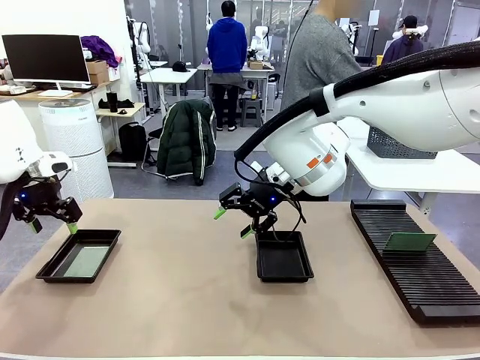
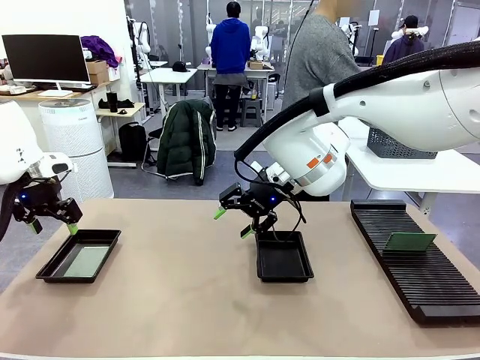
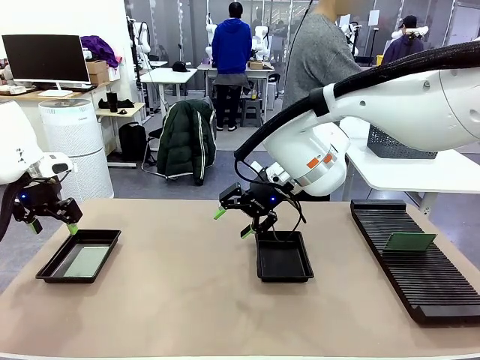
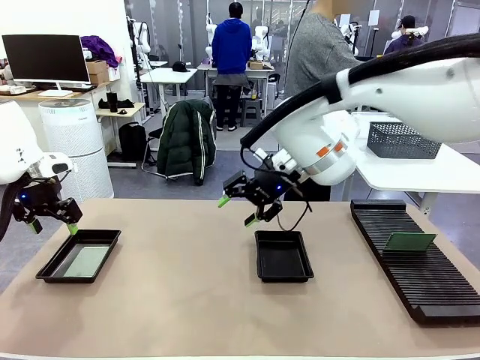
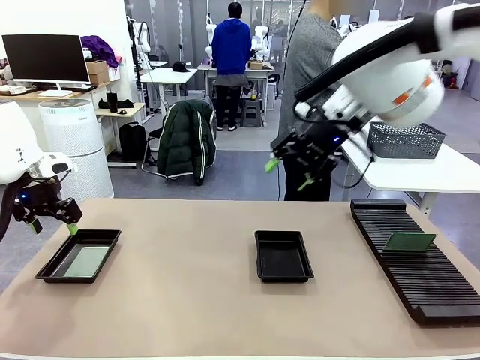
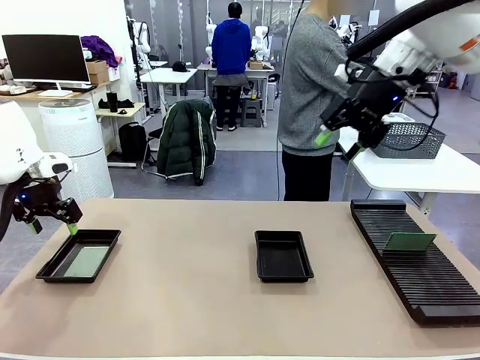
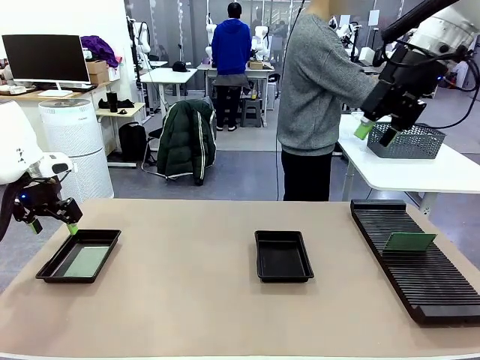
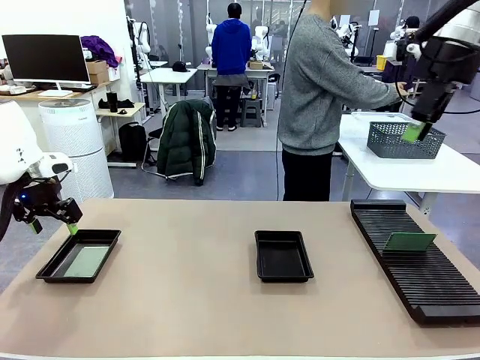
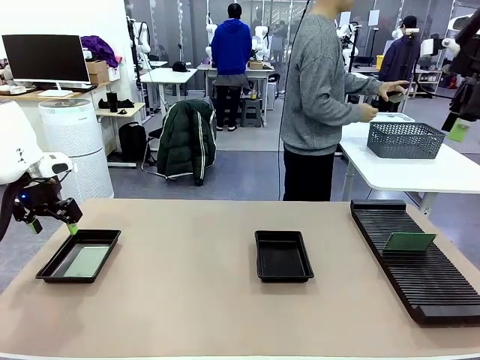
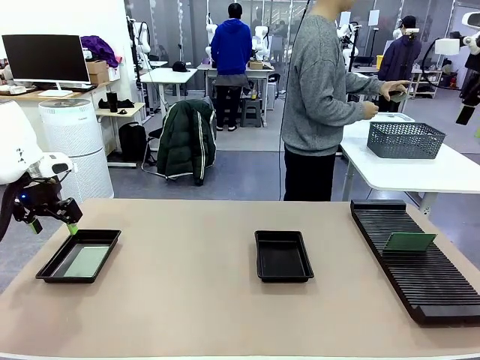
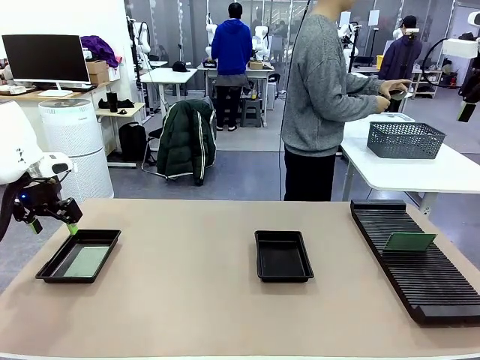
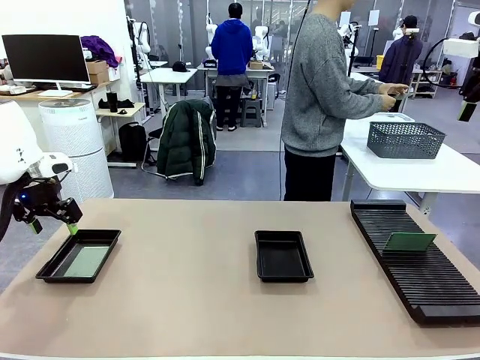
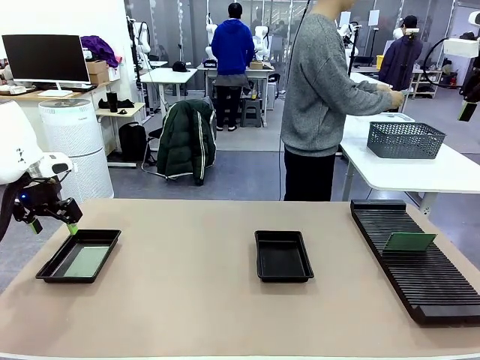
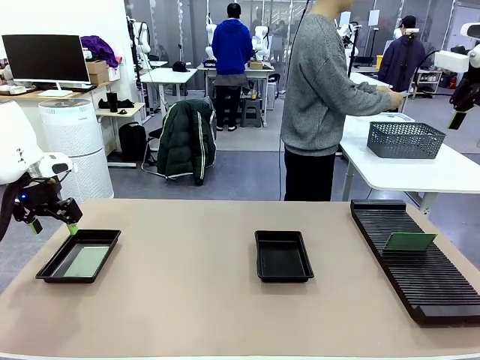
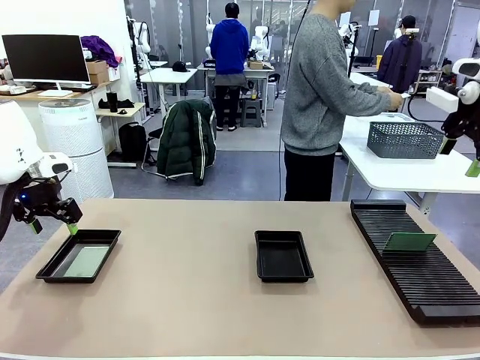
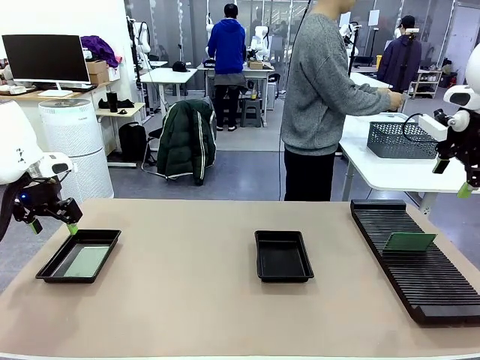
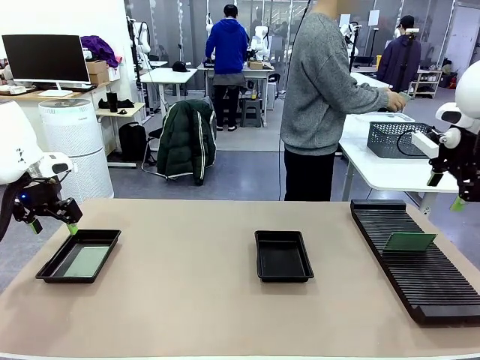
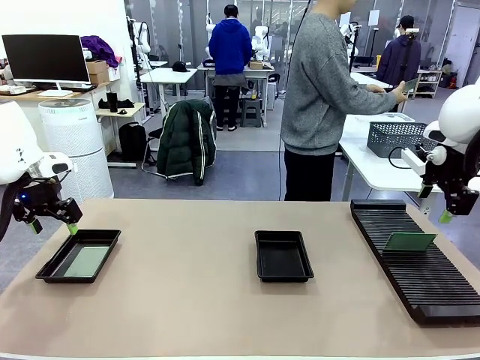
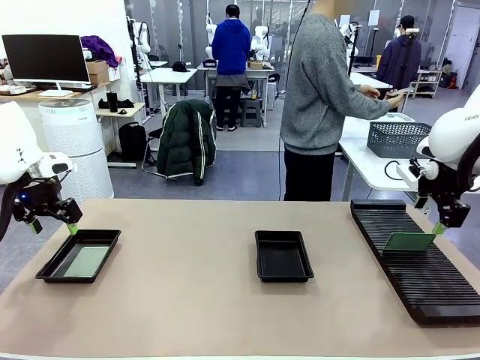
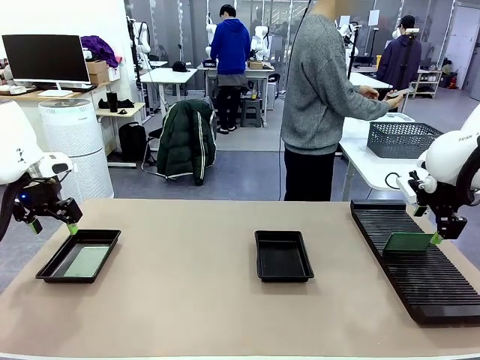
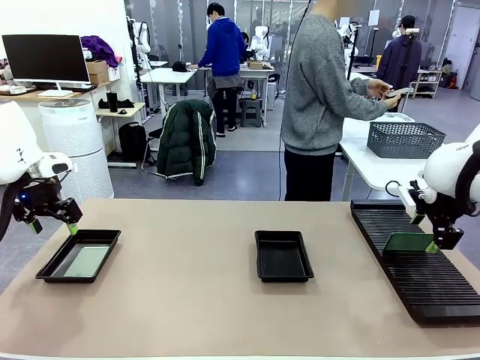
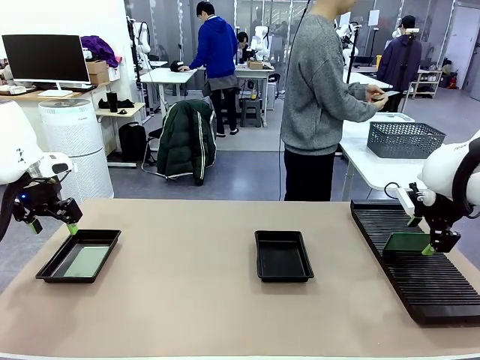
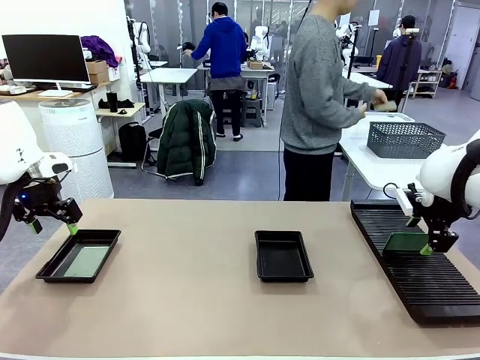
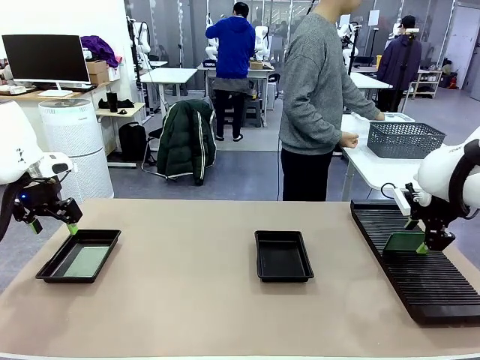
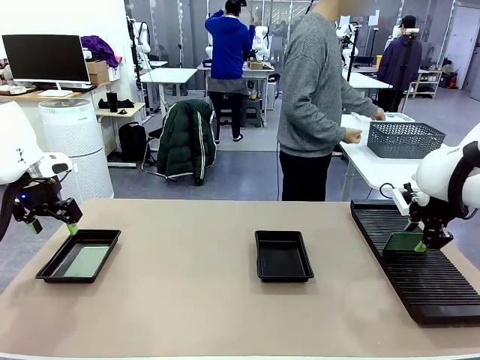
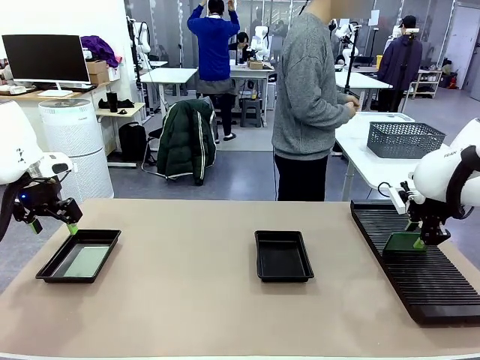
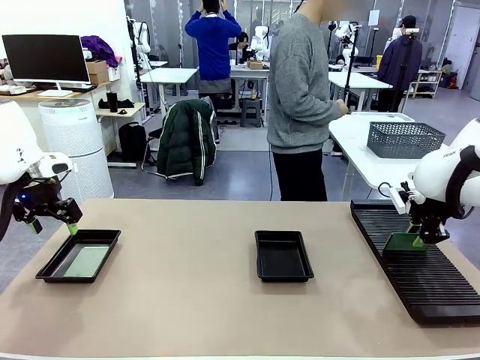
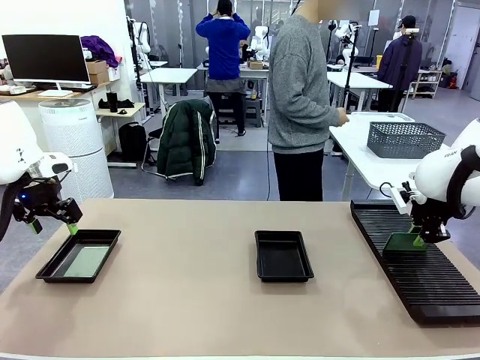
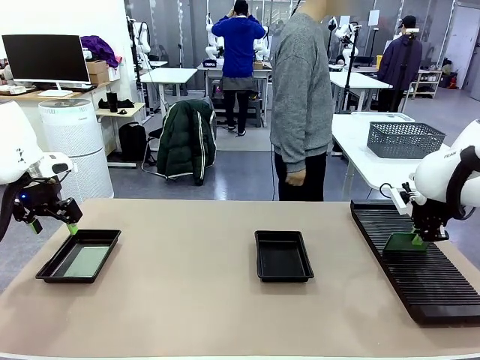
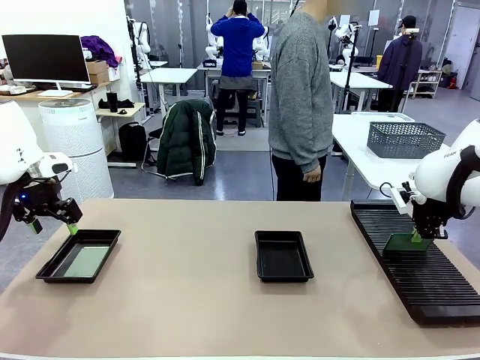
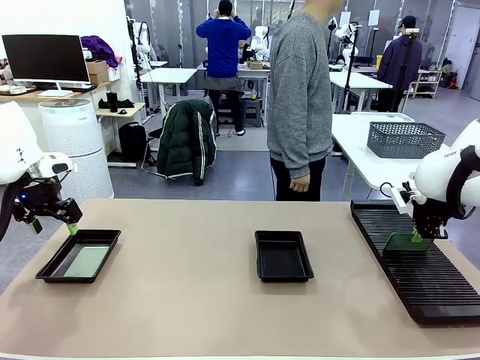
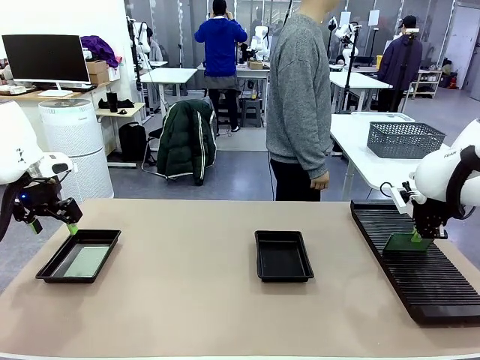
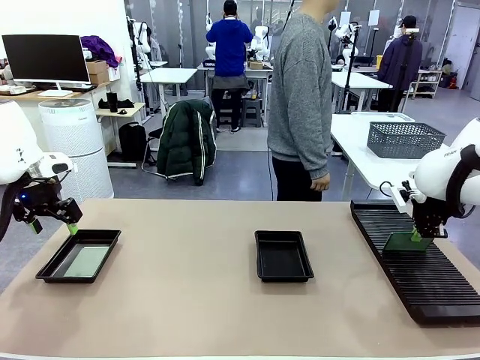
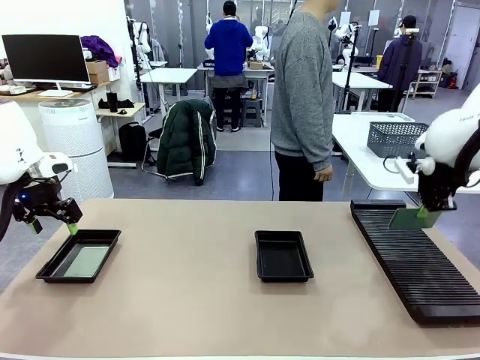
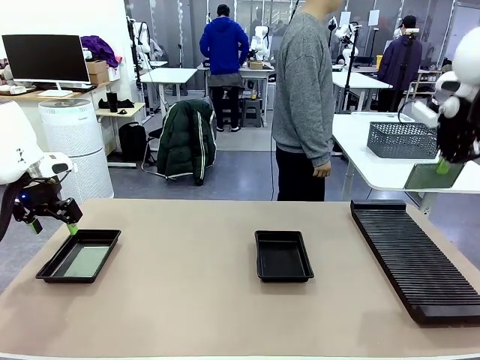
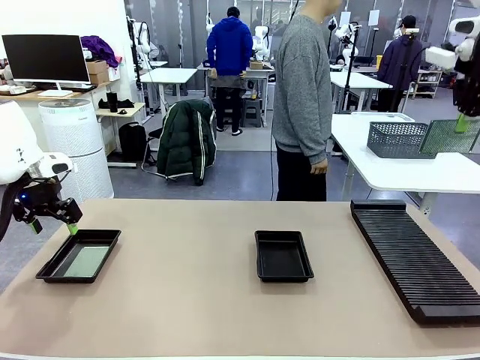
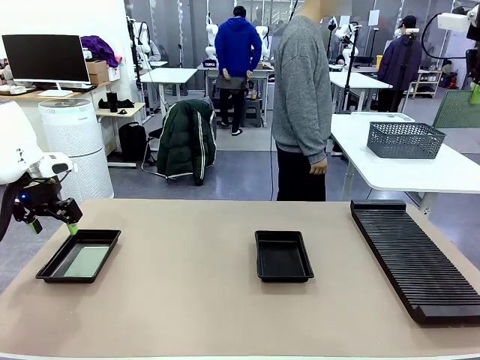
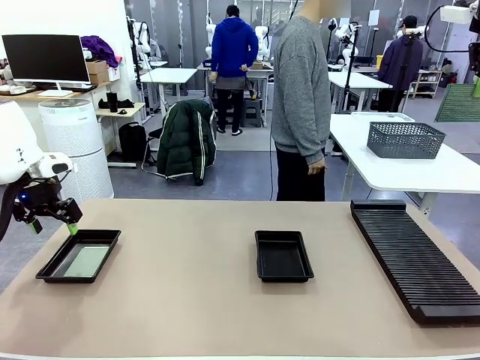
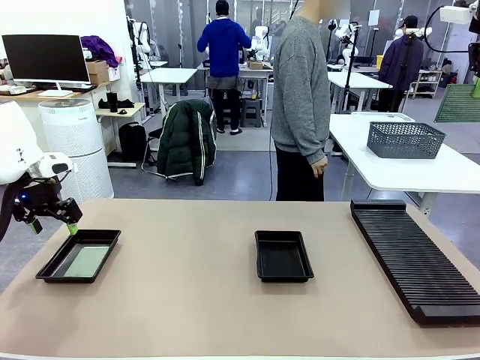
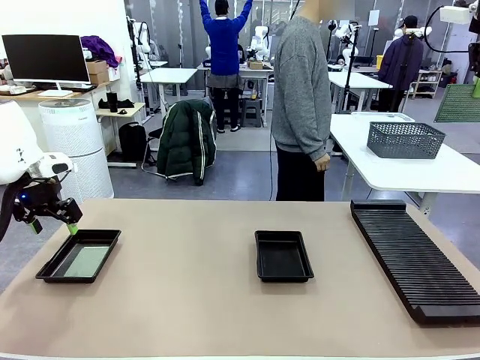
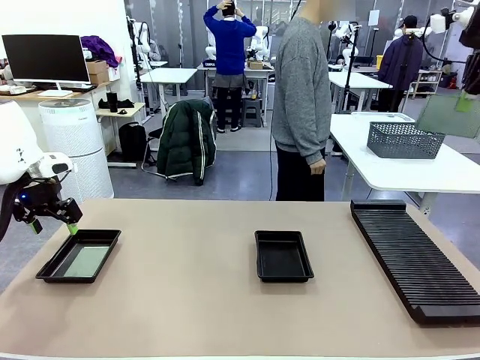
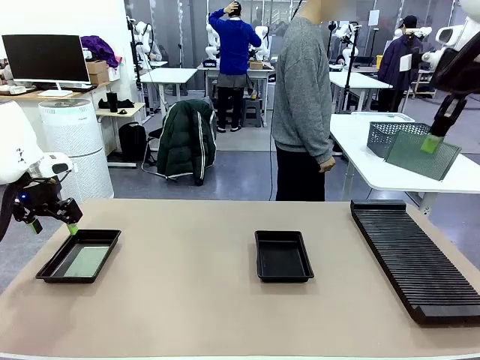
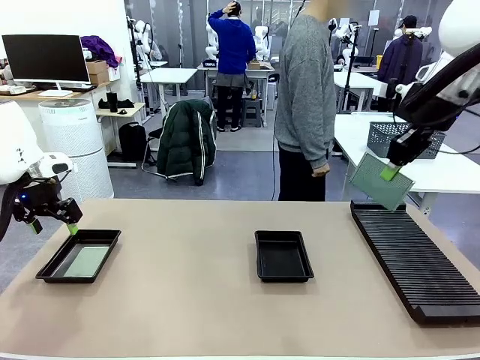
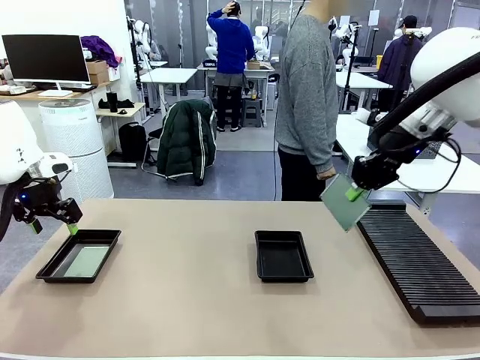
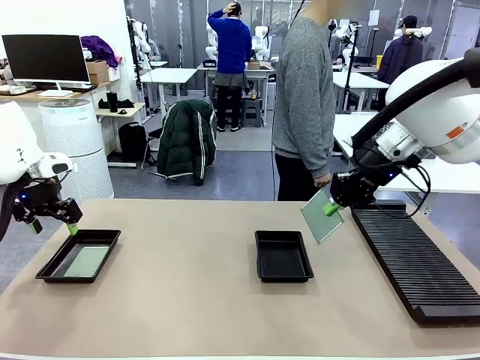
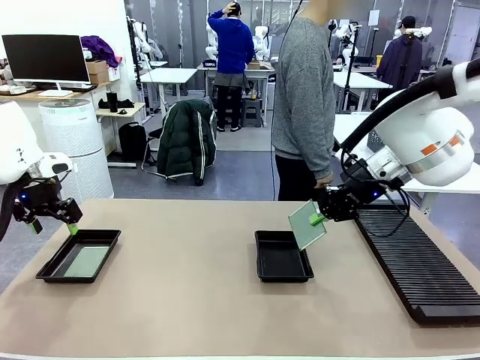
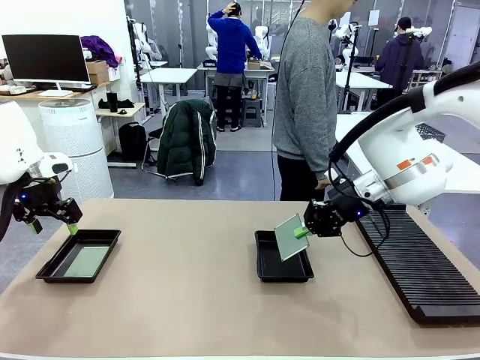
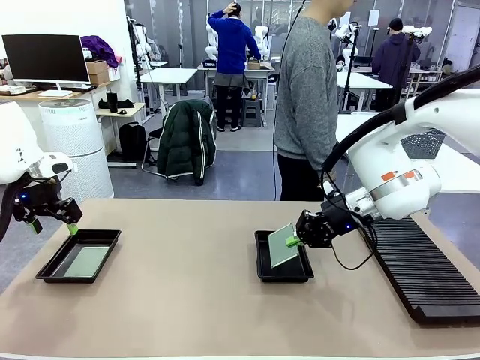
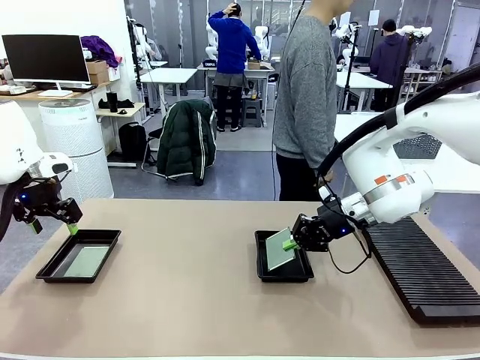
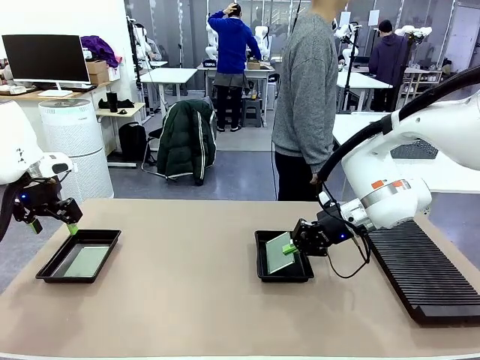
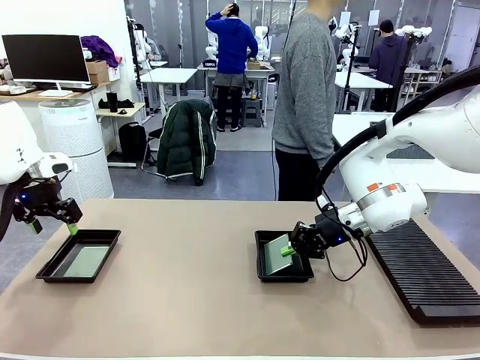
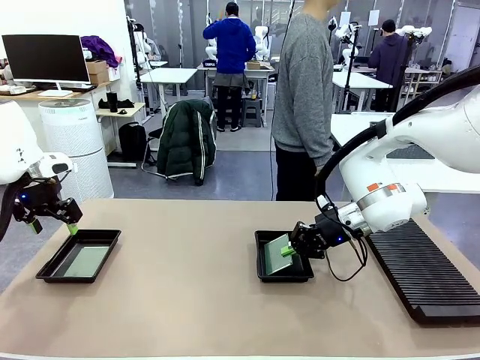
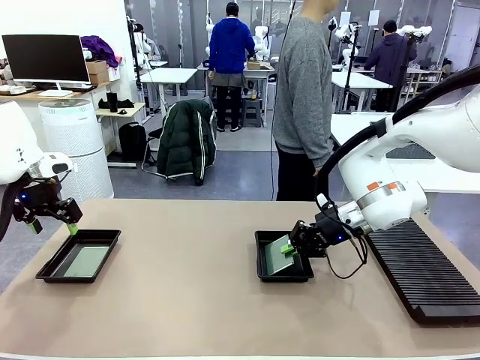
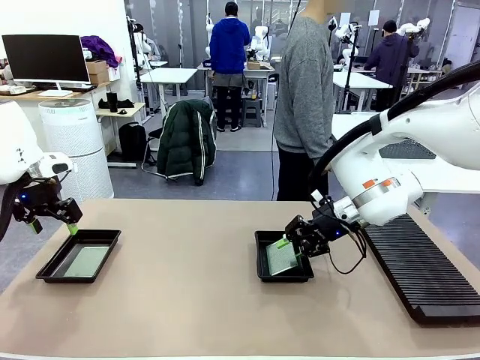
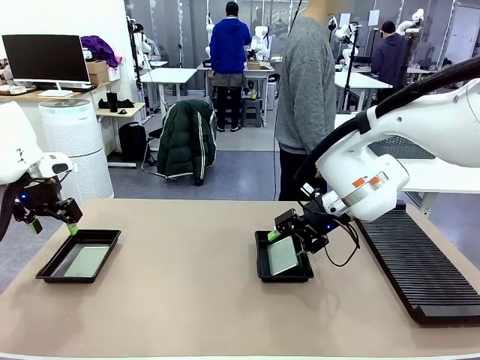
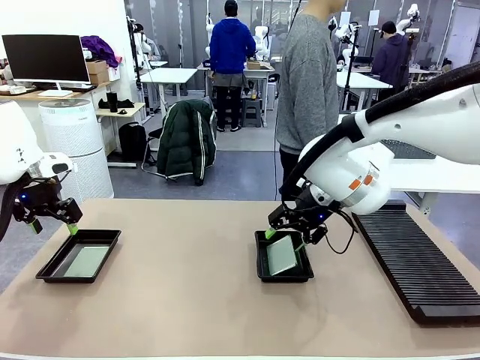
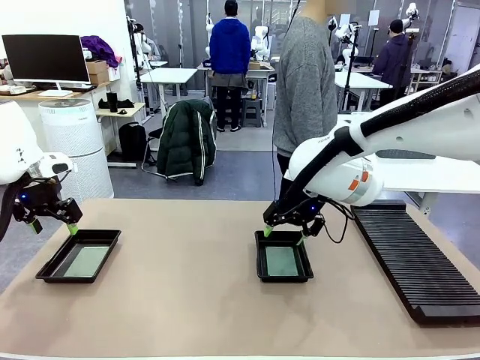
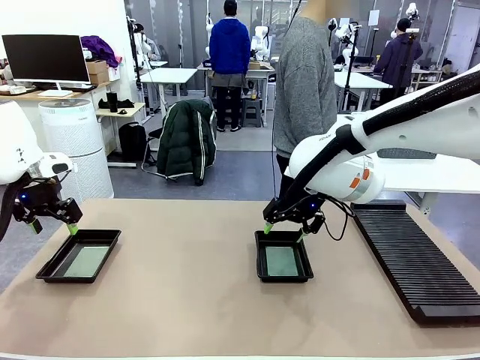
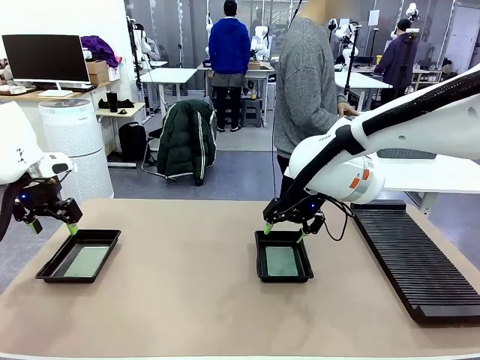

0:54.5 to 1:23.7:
Task: Inspect and transfer BCBs to ESD trays.
Robot: Pick up the Blank PCB from the PCB Rack and place it in the right ESD tray.
